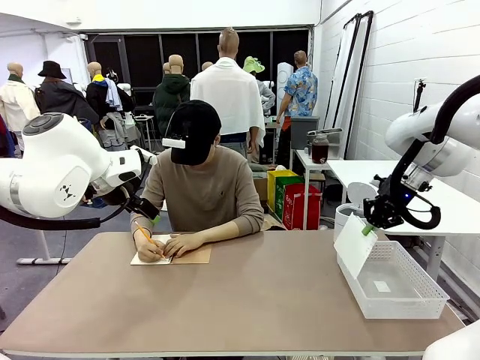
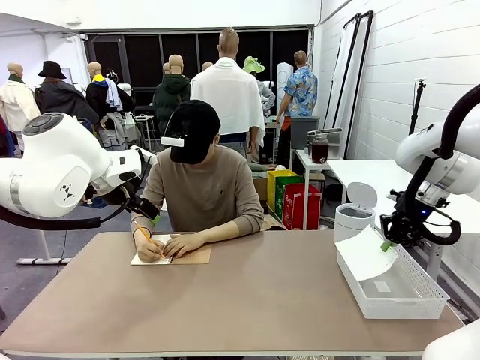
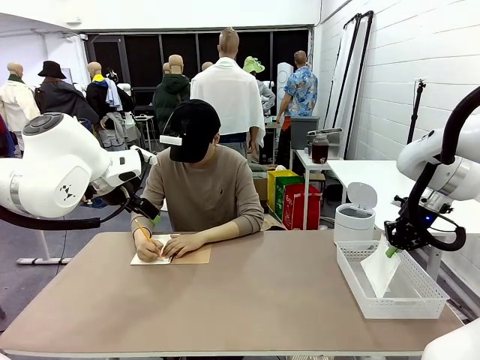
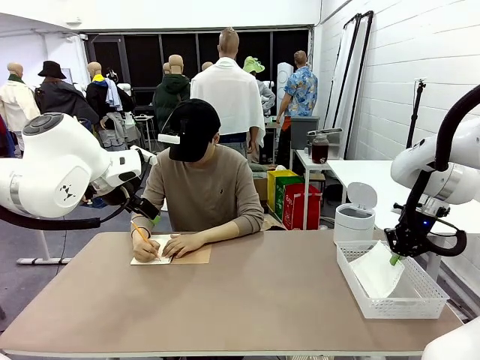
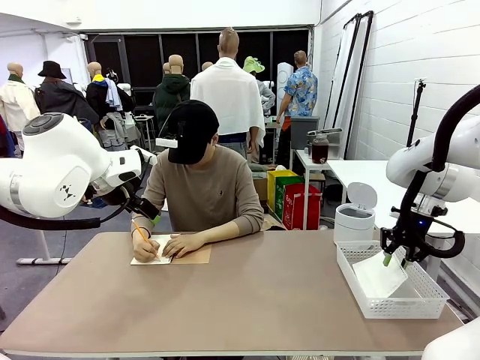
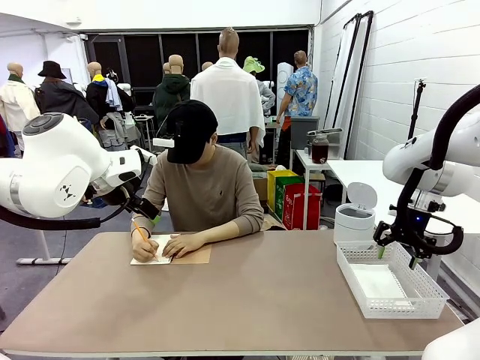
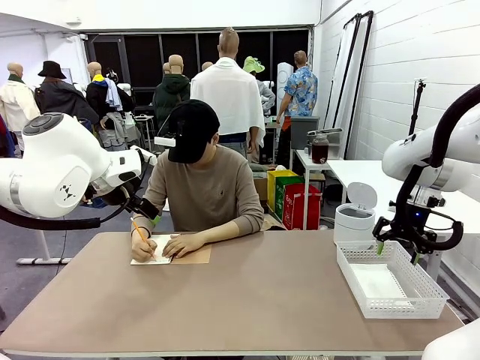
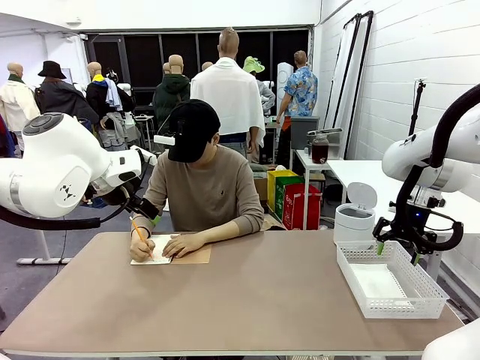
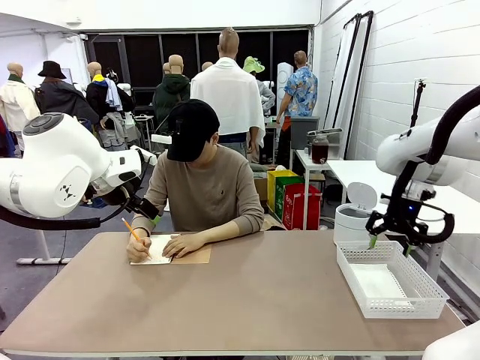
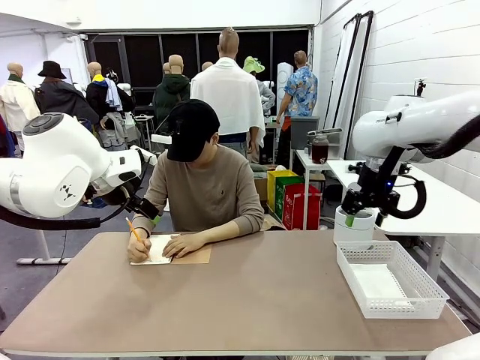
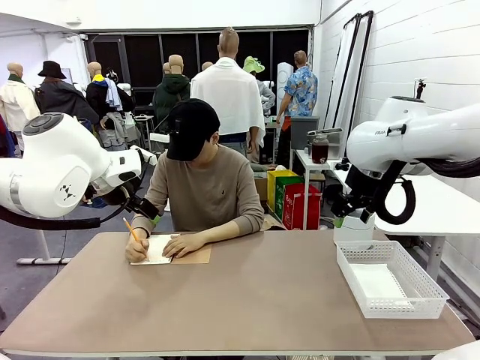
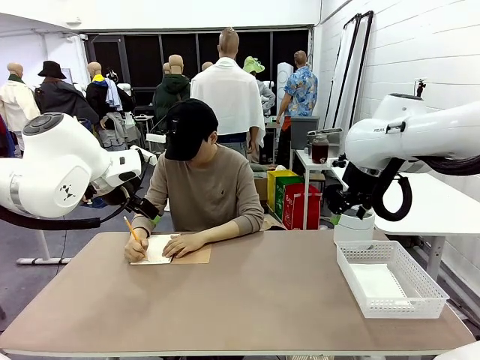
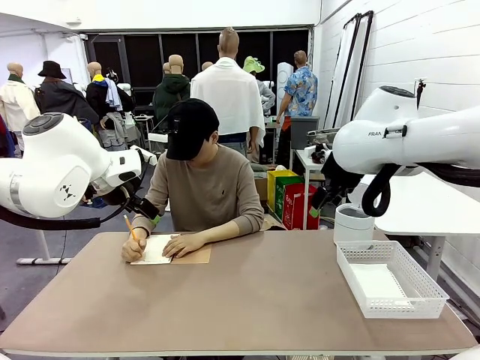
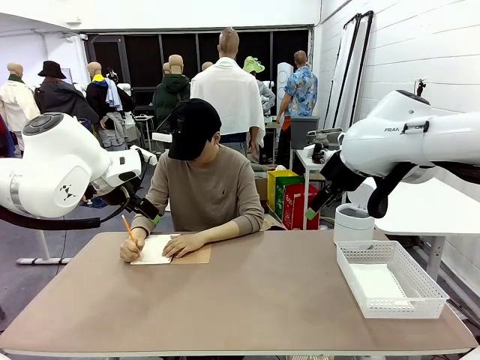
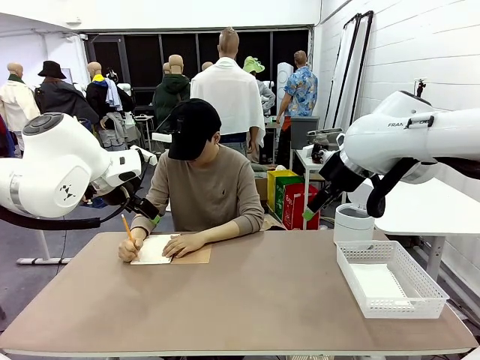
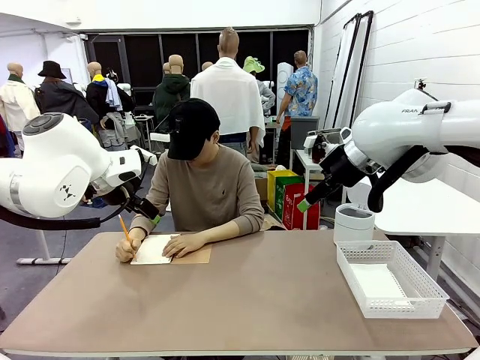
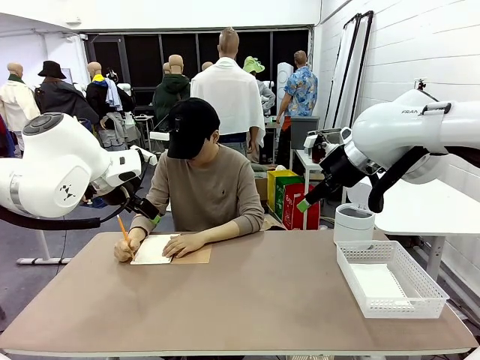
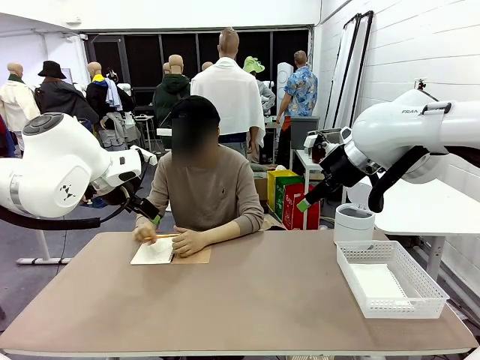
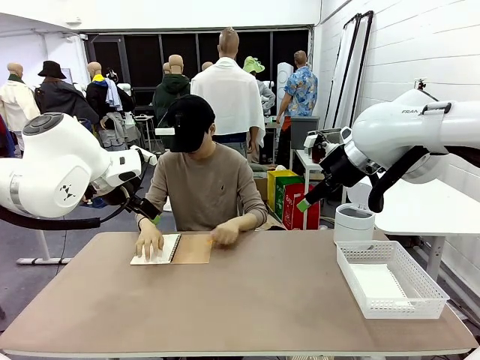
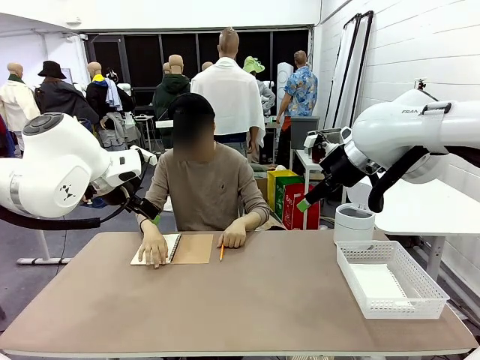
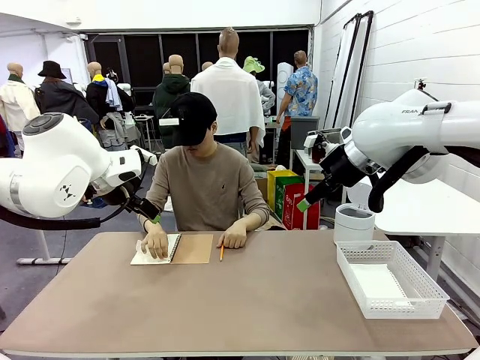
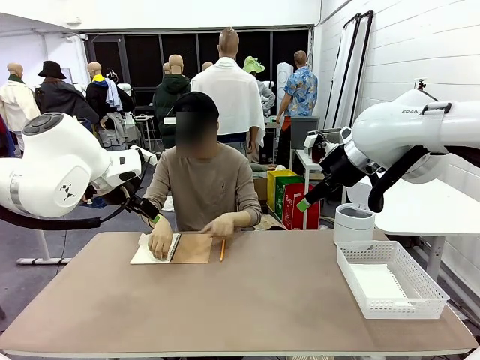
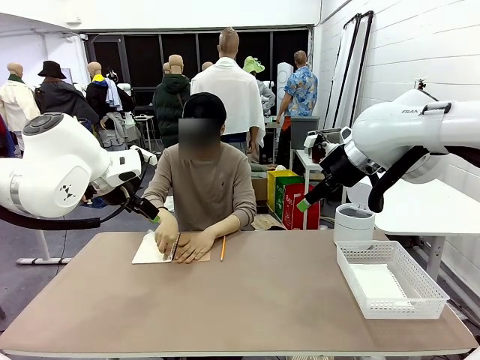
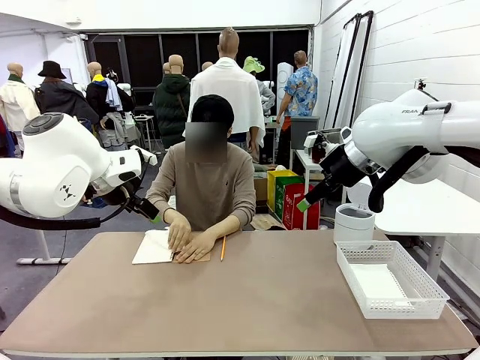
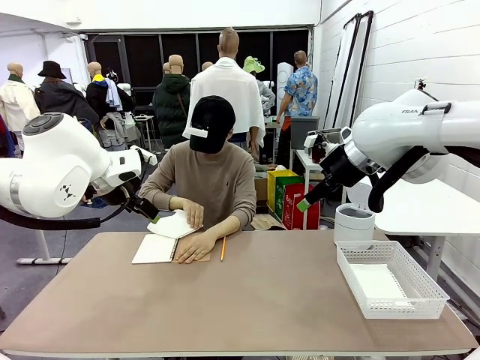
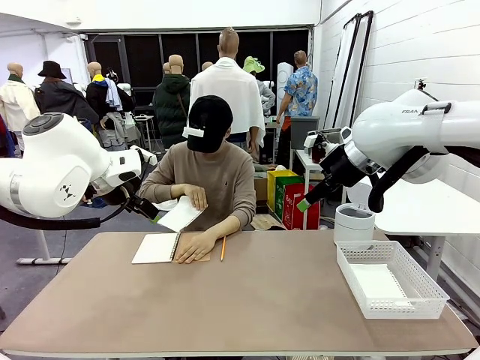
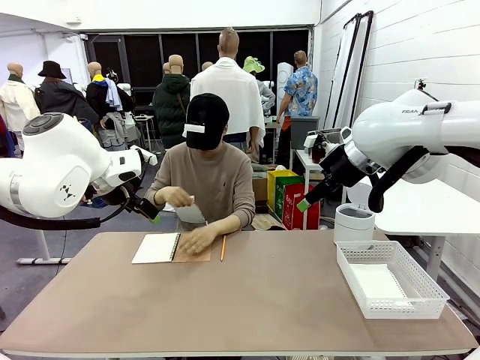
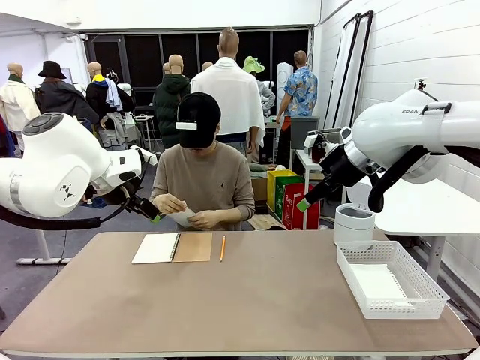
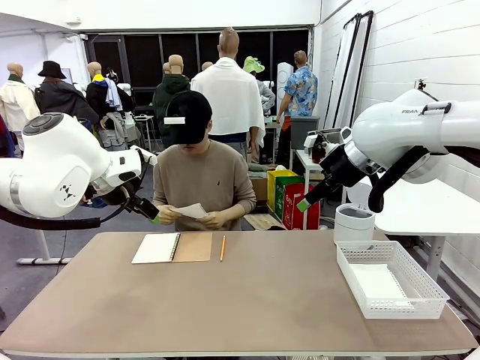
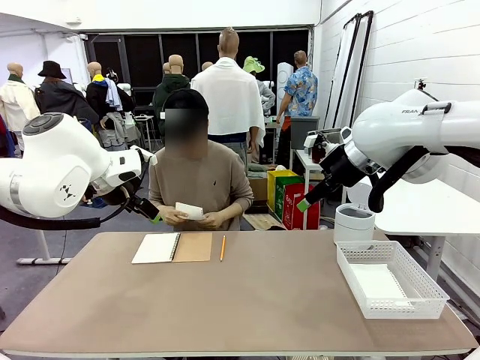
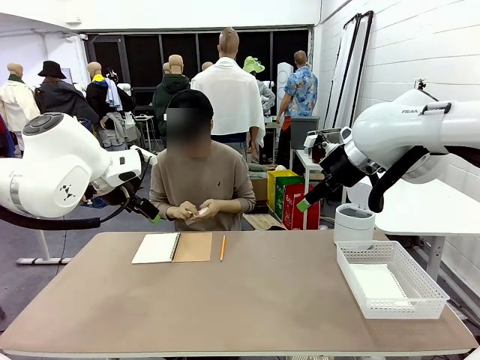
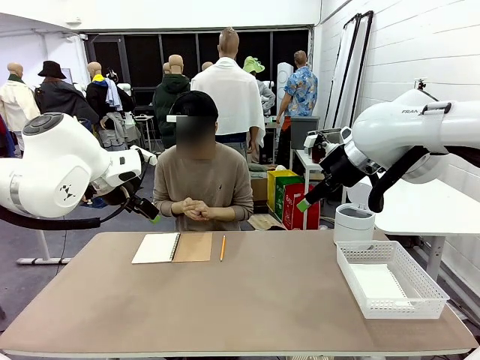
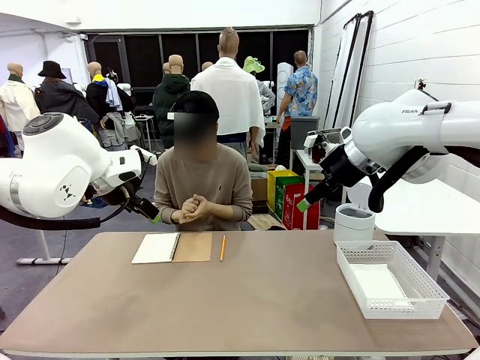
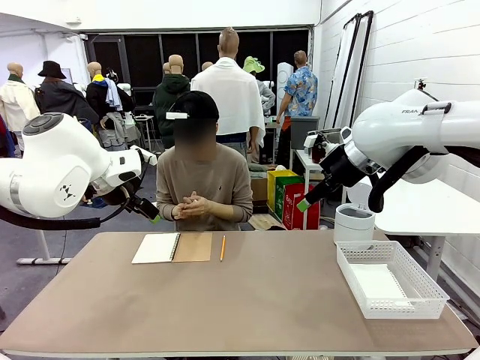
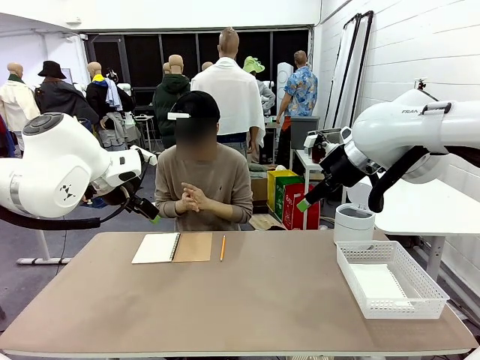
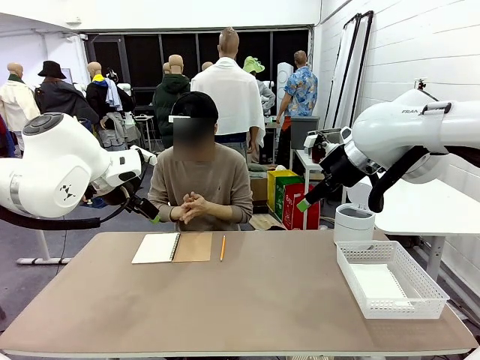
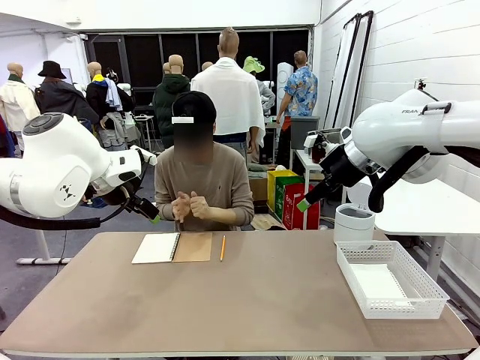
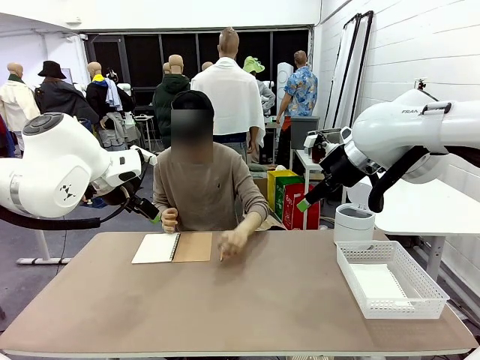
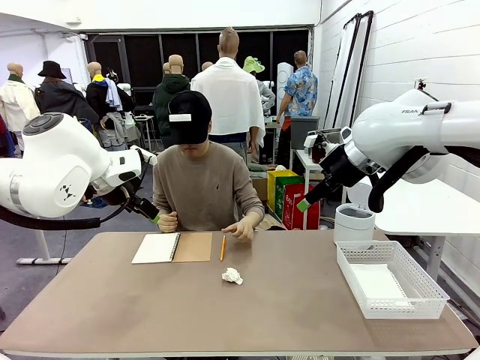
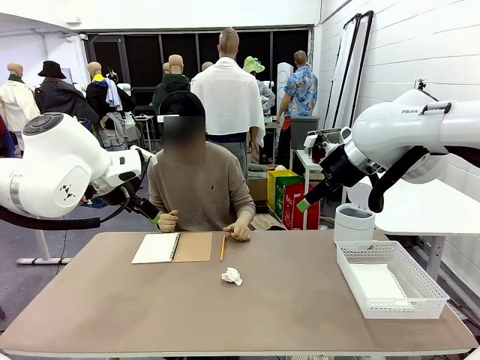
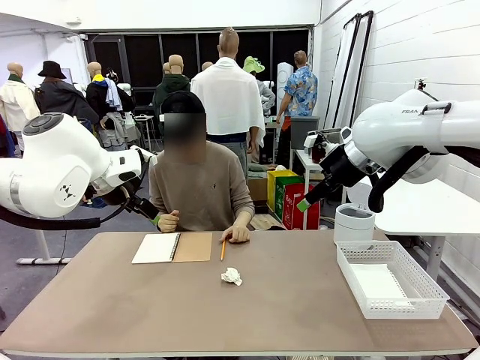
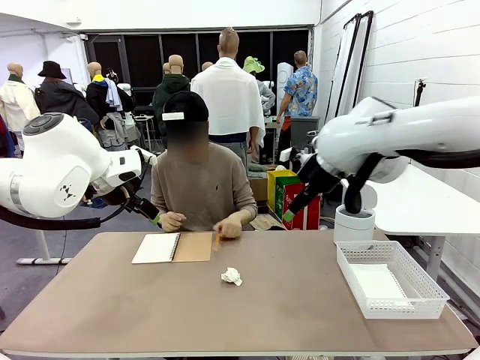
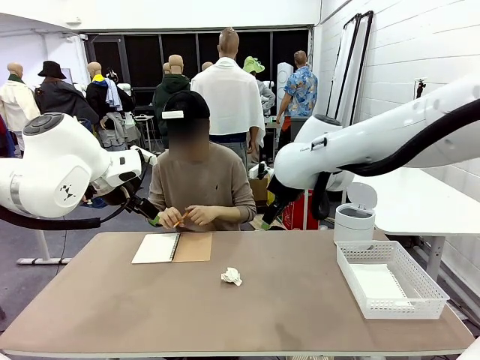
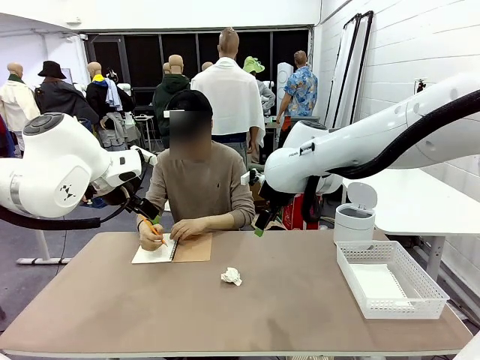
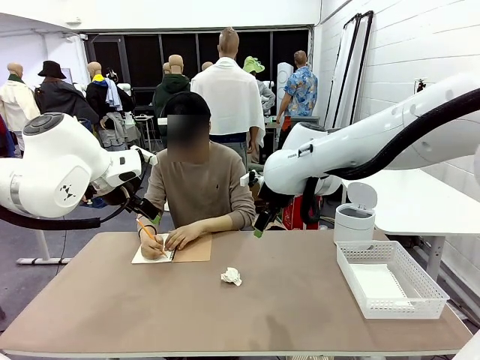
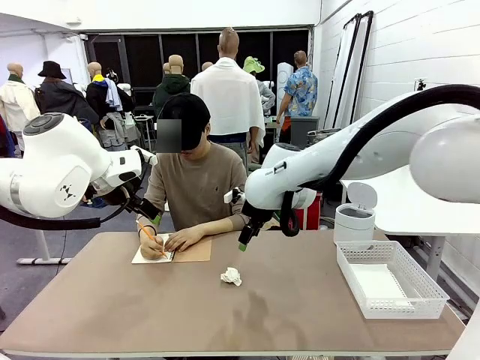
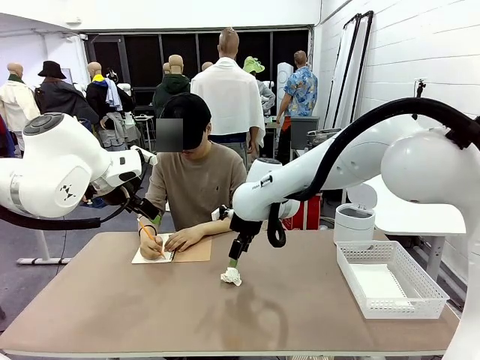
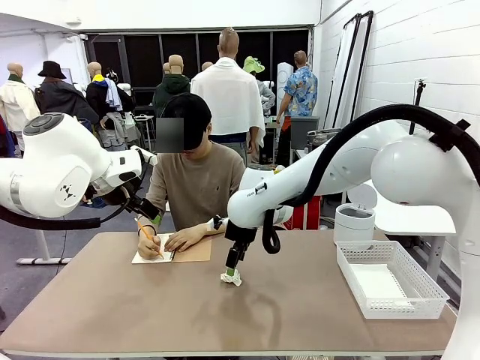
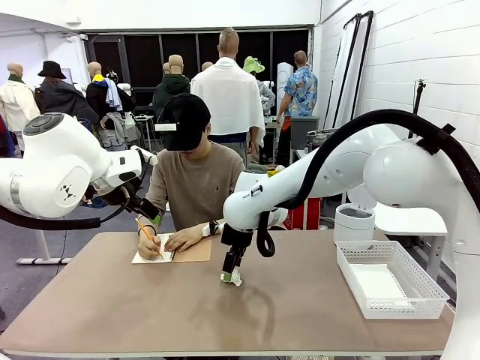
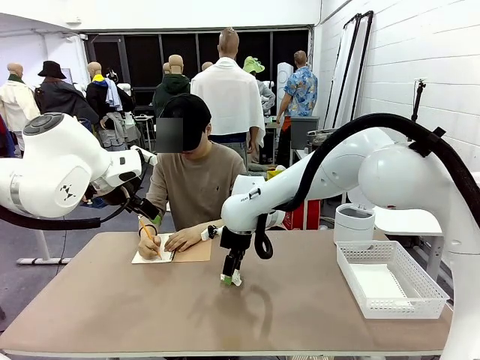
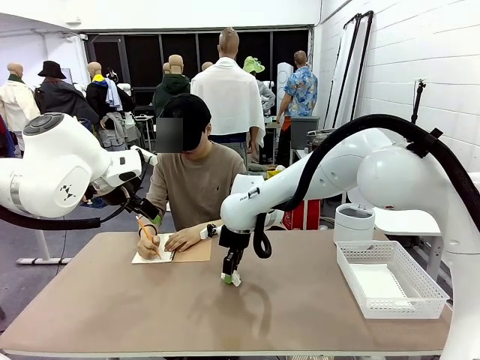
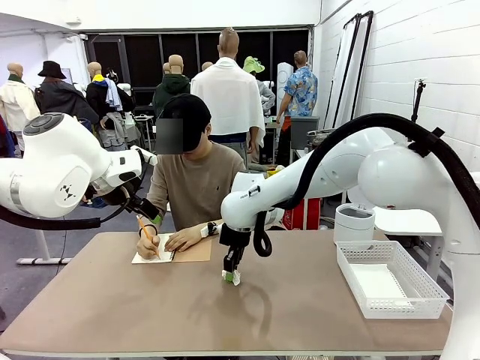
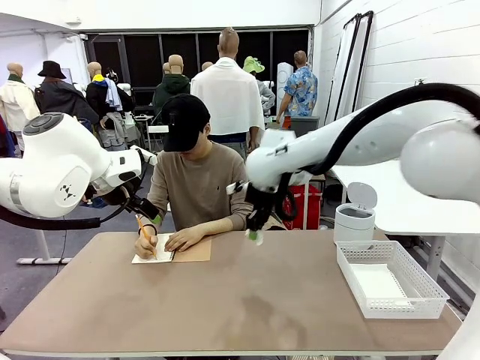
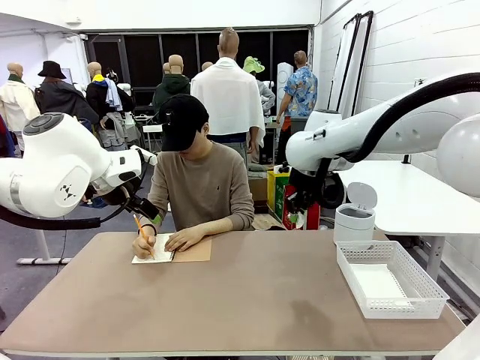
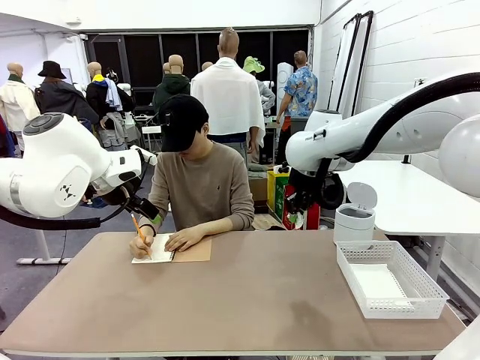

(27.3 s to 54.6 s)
Task: Sort the paper based on its condition.
Robot: If a person hands you a paper, place it in the Organizing basket , and if it's crumpled, put it in the Trash can.
Person: Tear out a page from the spiral notebook. Hand the torn page to the robot or crumple it and throw it to the center of the table.
